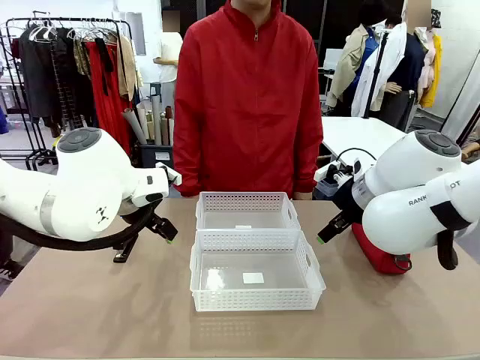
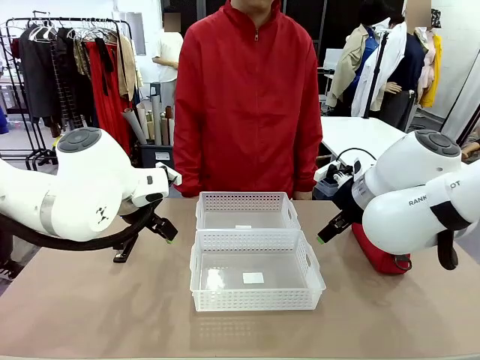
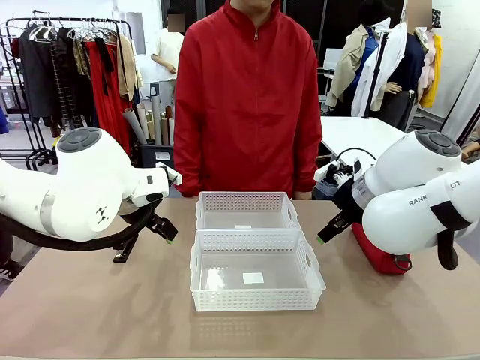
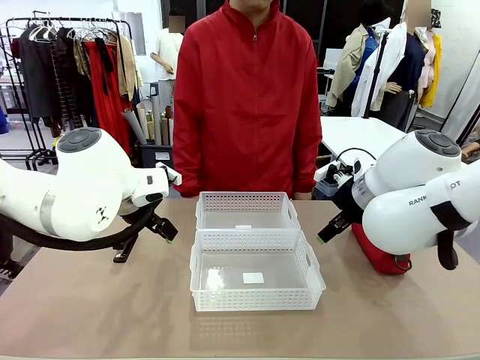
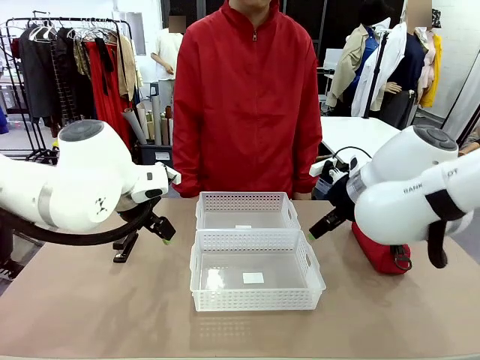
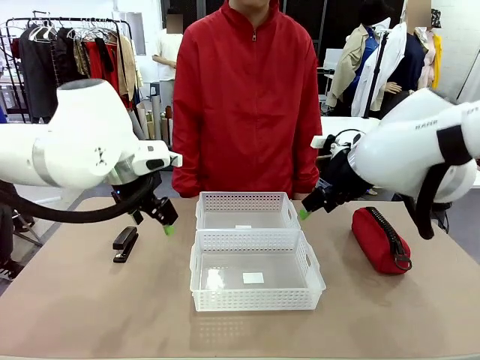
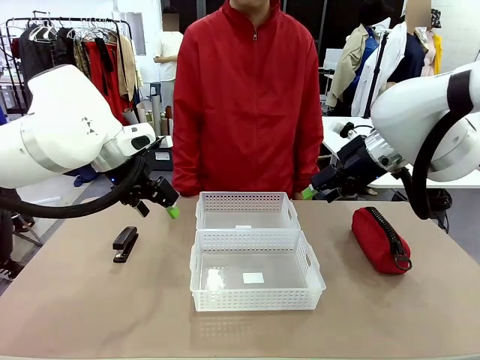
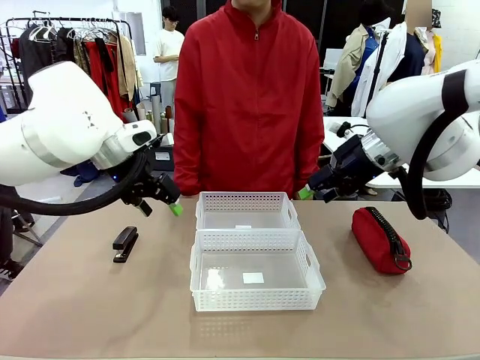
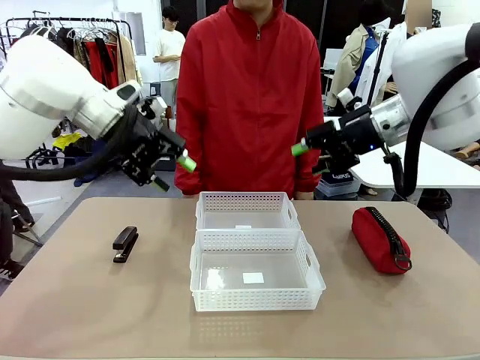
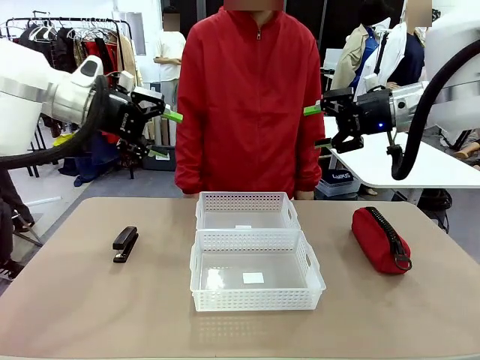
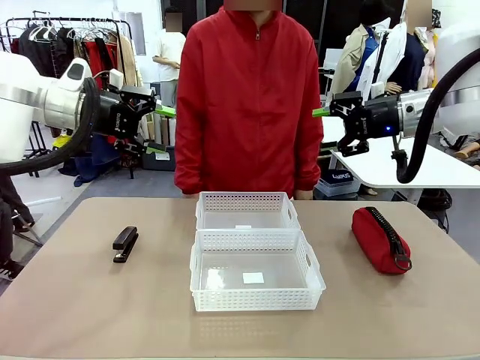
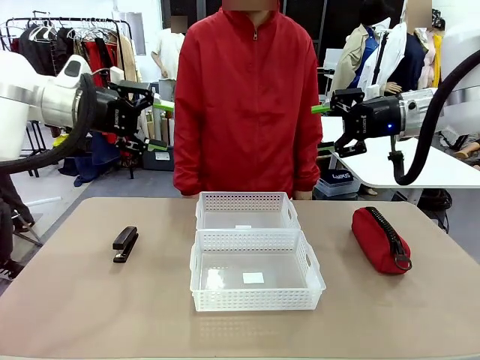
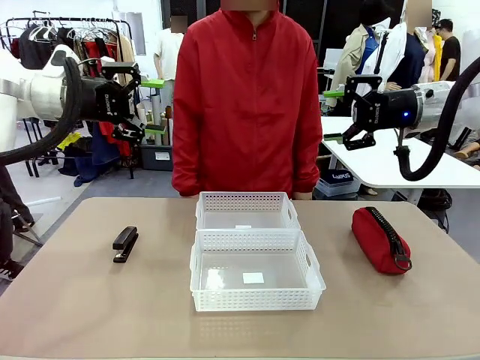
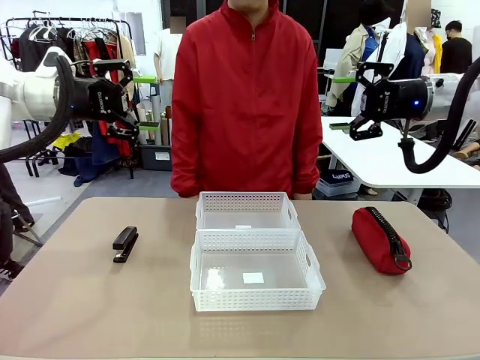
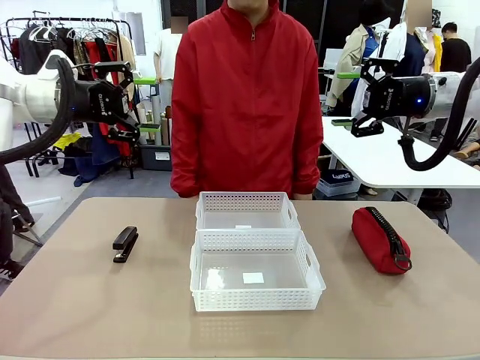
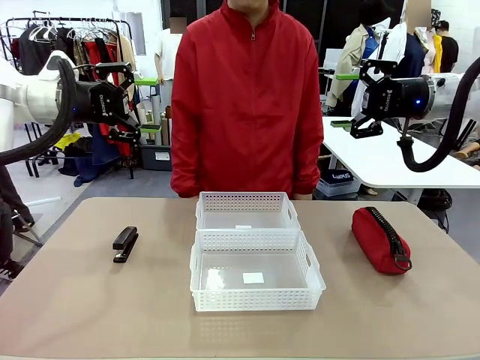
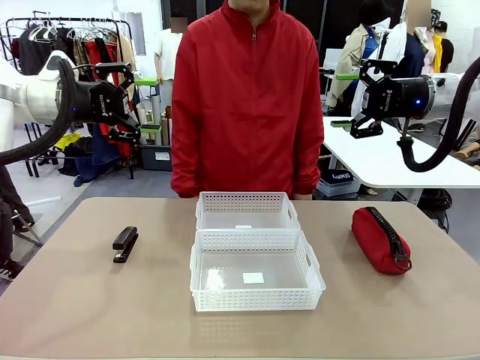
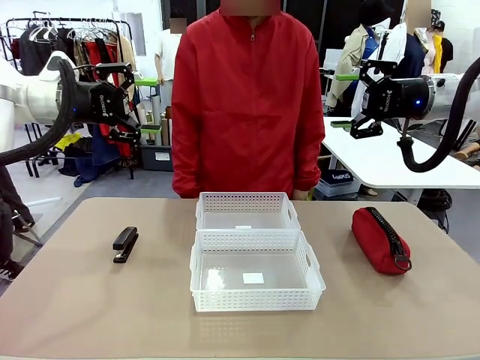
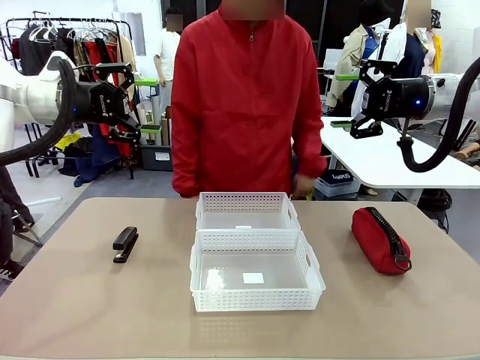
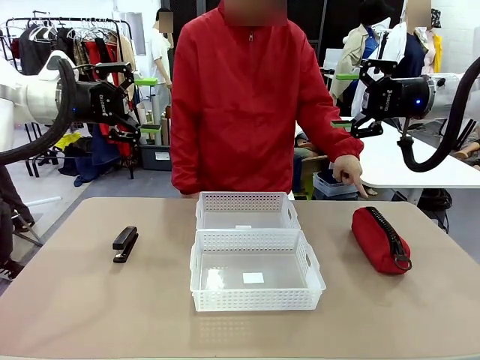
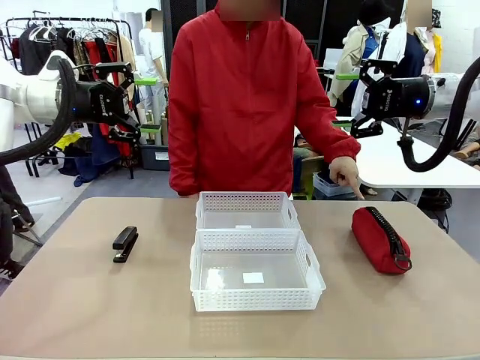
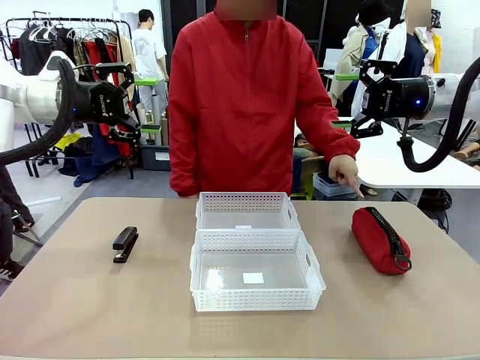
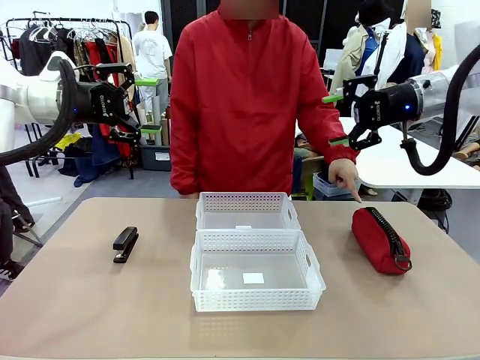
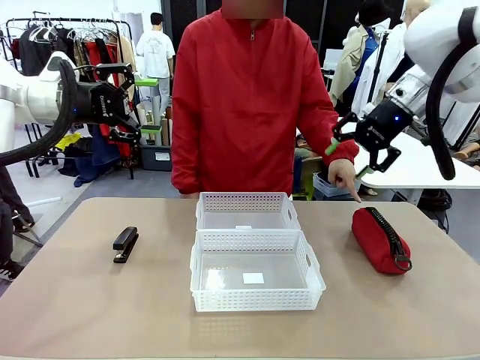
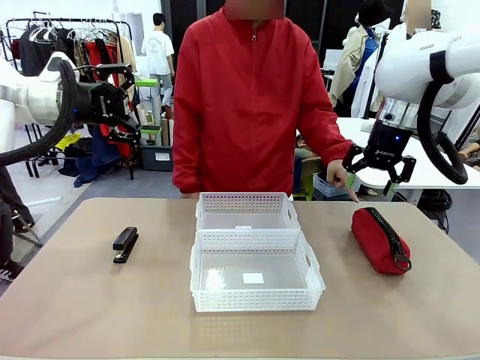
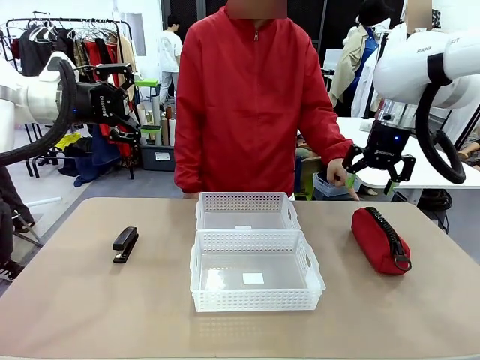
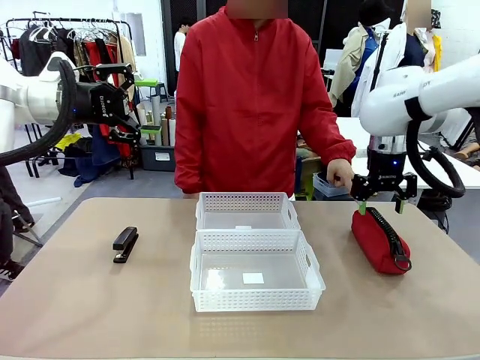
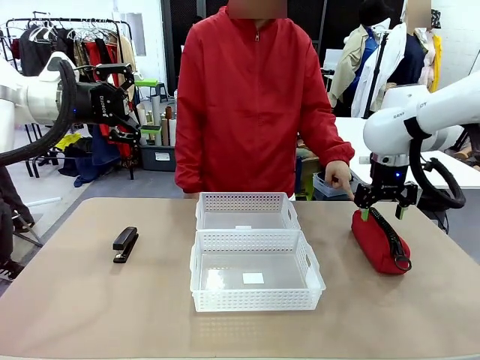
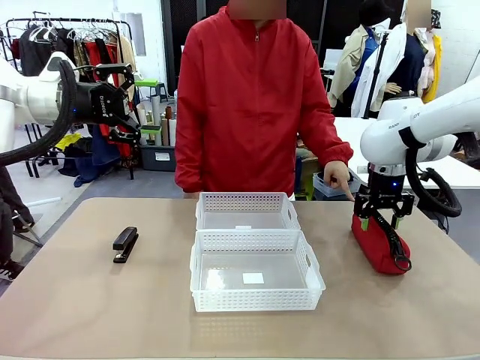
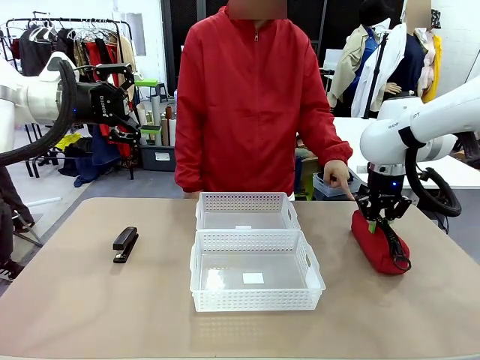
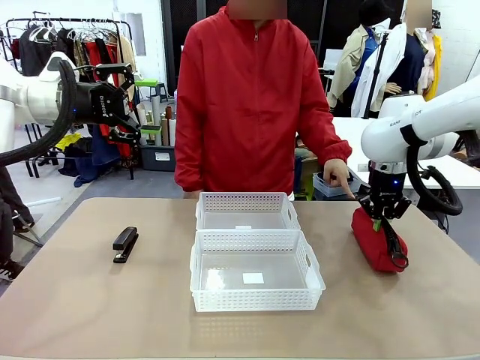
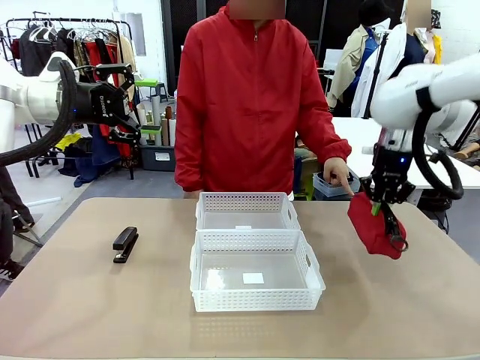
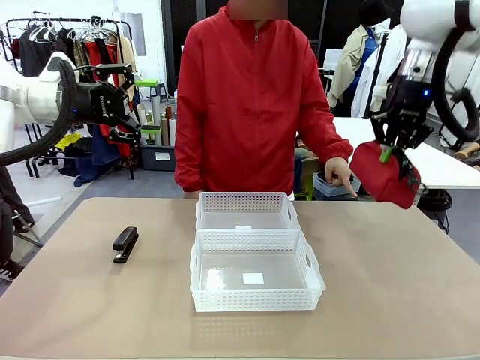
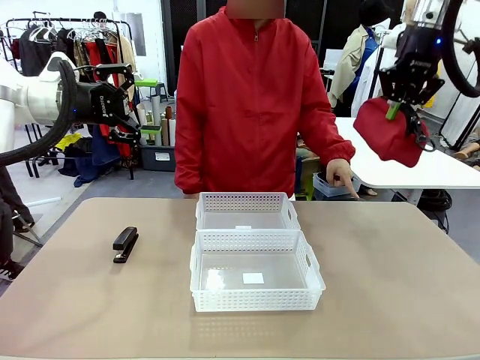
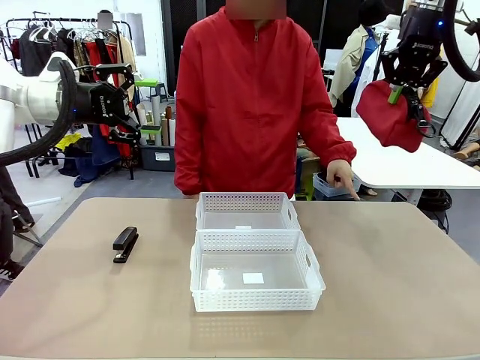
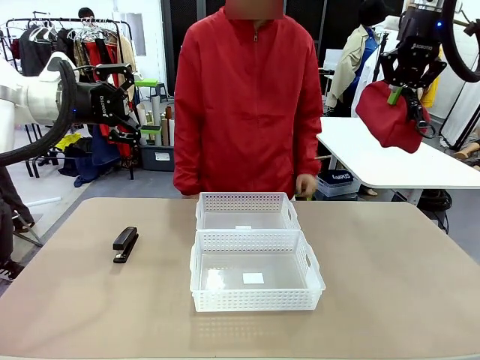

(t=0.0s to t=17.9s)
Task: Distribute items into two baskets.
Robot: Pick up the Pencil pouch that the person points to.
Person: Points to the pencil case. Points between the two organizing baskets and instructs the robot to move the pencil case.

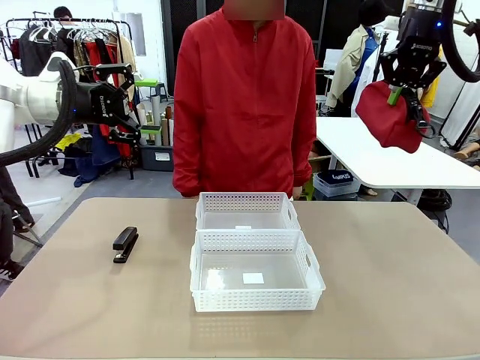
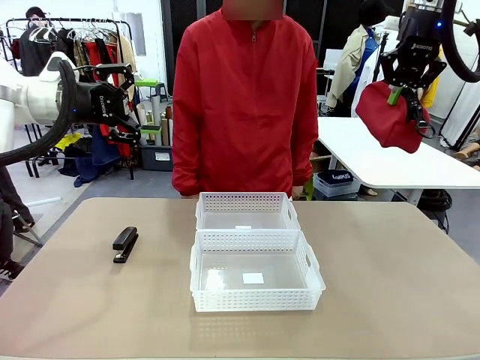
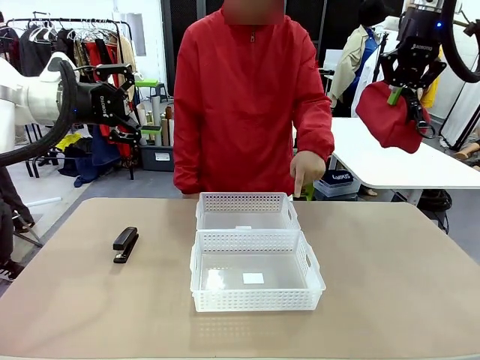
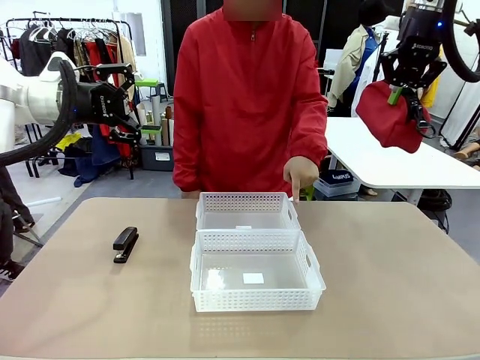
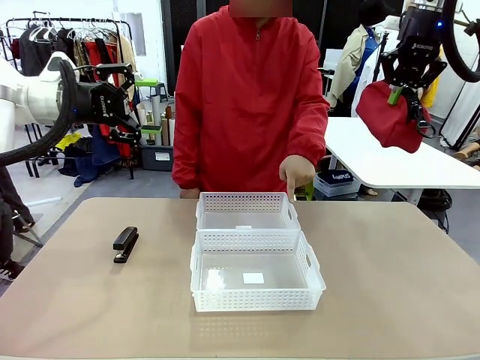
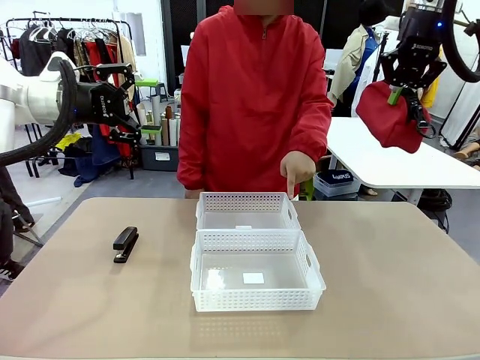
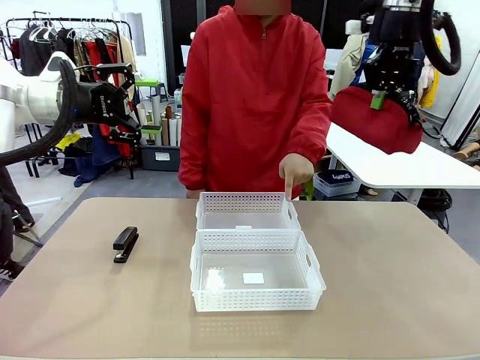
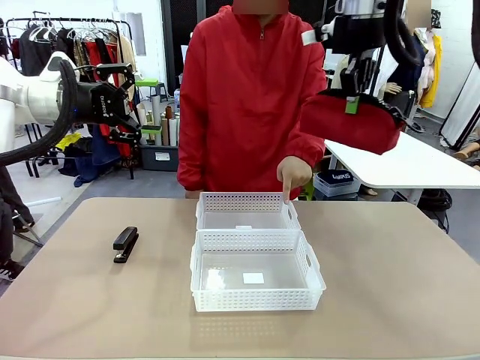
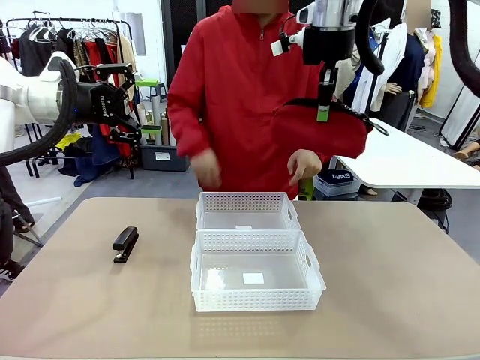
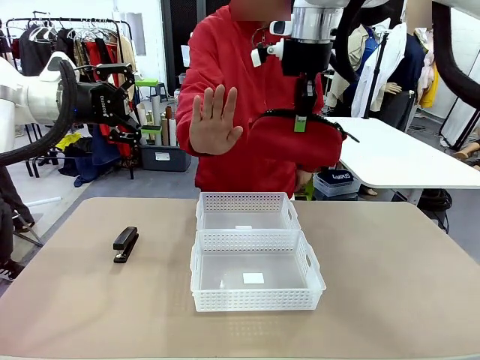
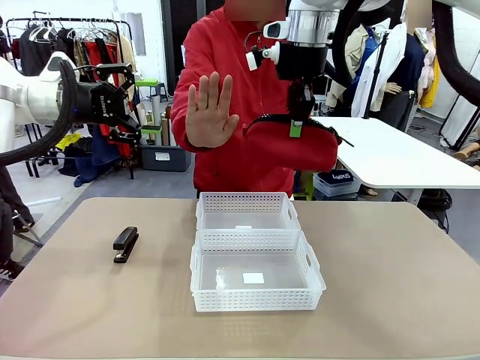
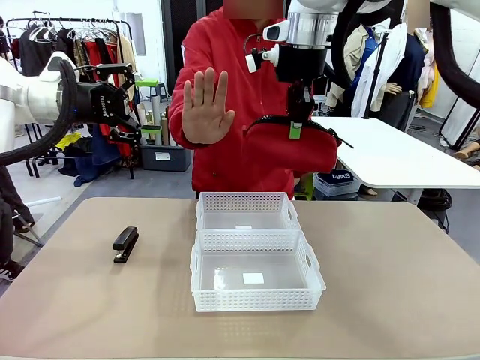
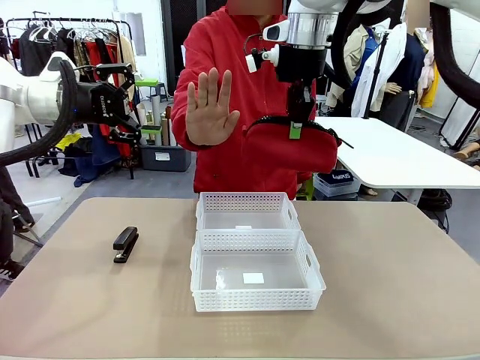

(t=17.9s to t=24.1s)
Robot: Move the picked Pencil pouch towards the Organizing basket indicated by the person, stopping as directed.
Person: Sends a stop gesture before the robot places the pencil case into the basket.
